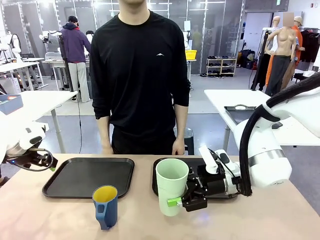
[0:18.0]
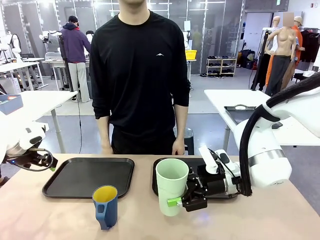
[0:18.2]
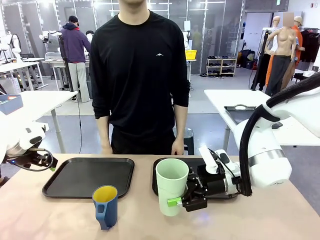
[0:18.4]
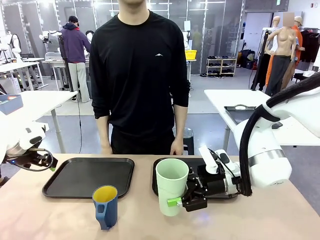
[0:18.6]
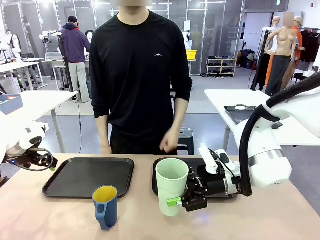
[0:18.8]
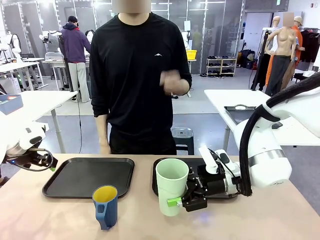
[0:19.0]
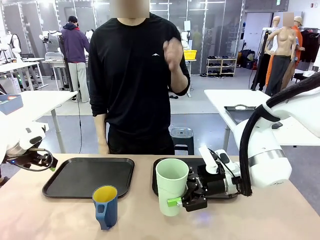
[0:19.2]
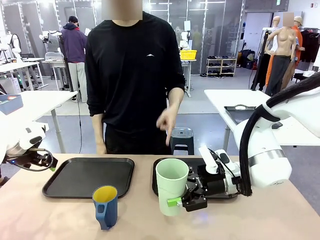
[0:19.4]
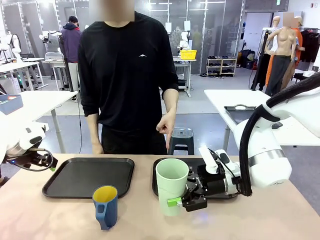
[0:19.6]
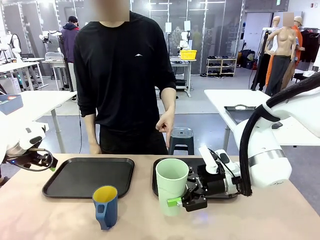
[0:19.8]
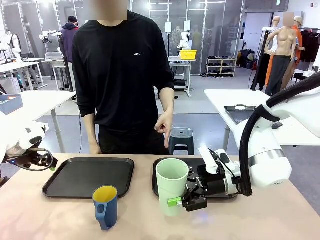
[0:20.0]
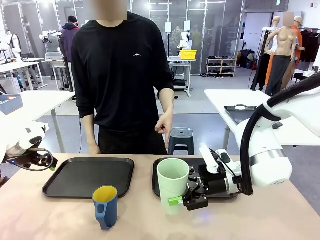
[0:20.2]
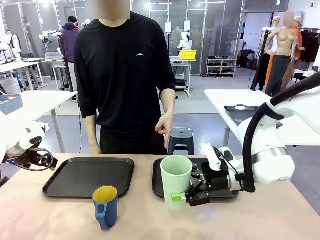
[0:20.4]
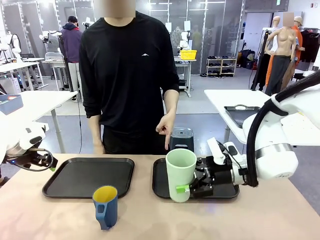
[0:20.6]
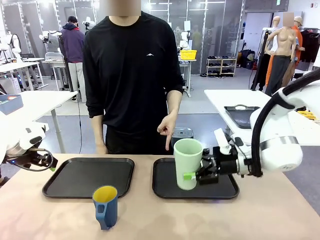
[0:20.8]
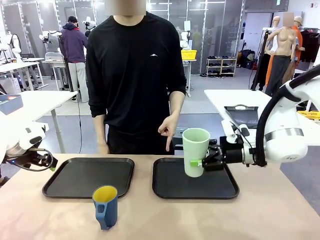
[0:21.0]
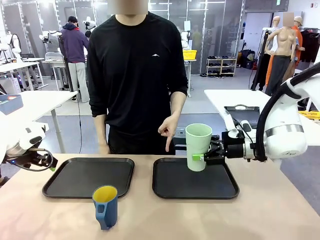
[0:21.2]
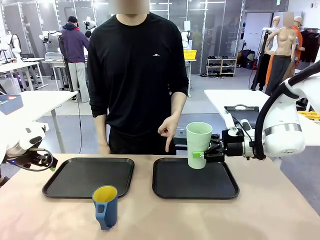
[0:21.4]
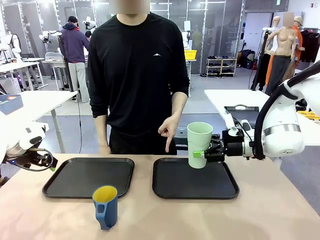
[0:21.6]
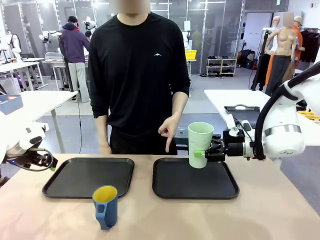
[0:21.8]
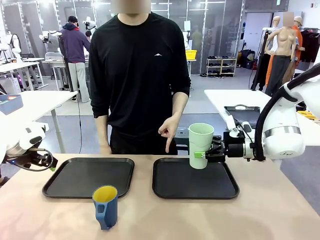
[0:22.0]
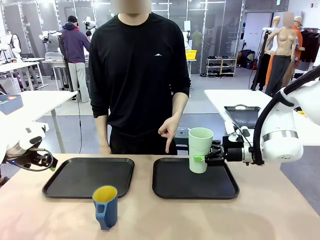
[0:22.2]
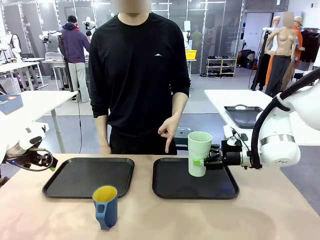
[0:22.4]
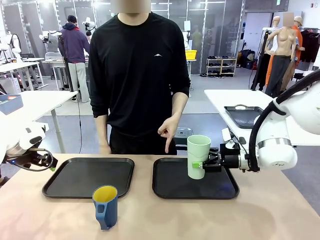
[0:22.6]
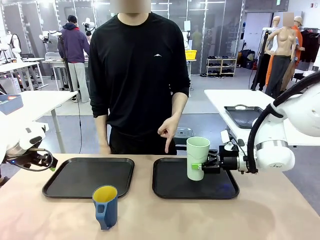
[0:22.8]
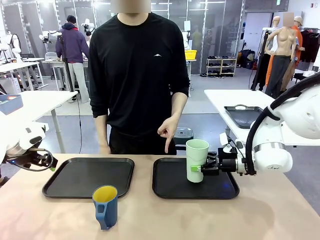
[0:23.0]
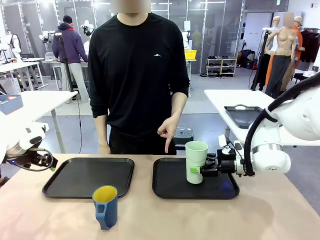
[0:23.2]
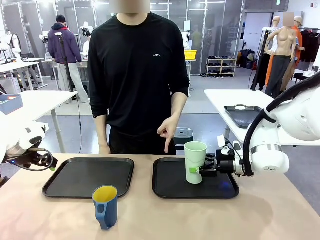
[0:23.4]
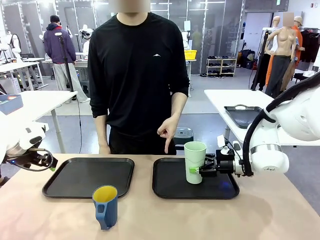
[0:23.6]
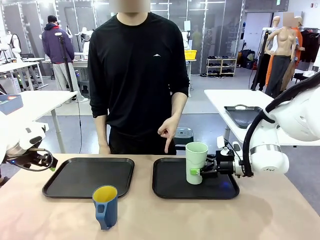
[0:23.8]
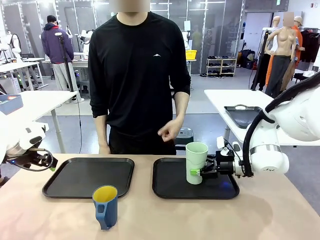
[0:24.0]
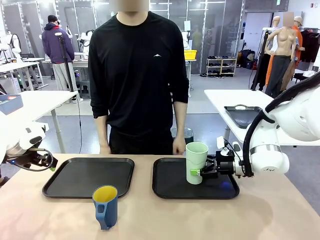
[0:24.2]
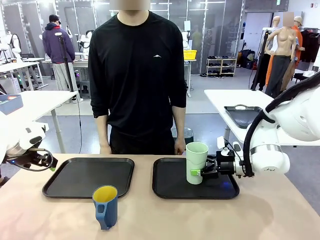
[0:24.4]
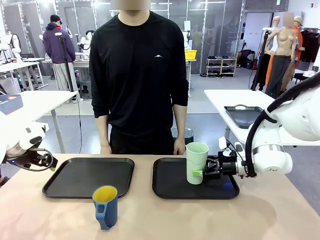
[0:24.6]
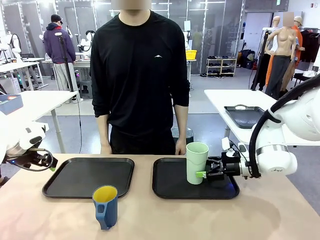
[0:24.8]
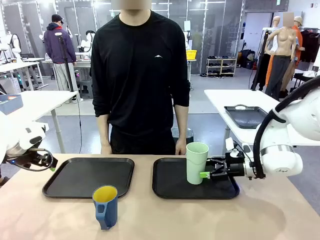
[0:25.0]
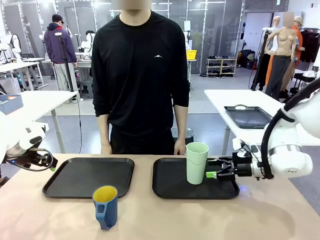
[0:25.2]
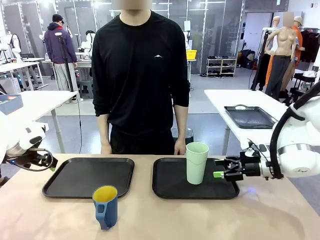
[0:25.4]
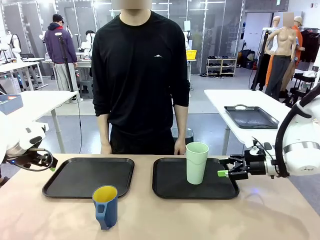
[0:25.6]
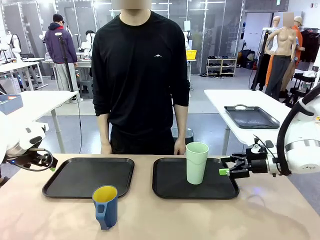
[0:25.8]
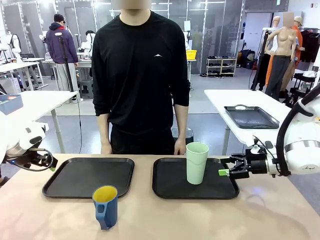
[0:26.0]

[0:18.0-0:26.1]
Task: Sort and store the cups by type.
Robot: Place the picked Reusable plastic cup into the Flat Tray indicated by the person.

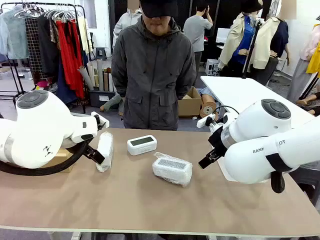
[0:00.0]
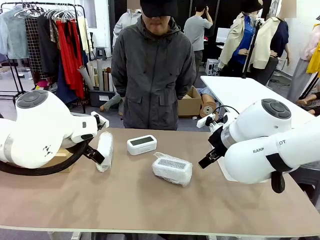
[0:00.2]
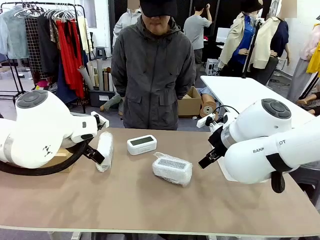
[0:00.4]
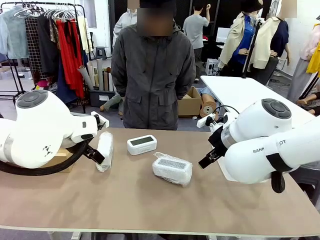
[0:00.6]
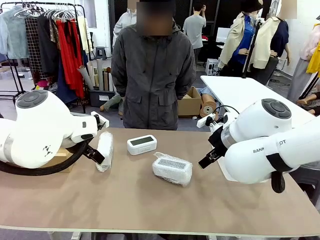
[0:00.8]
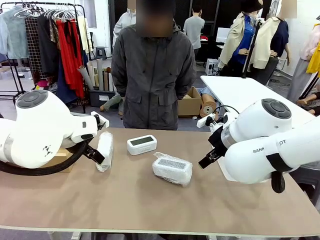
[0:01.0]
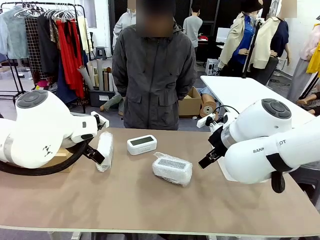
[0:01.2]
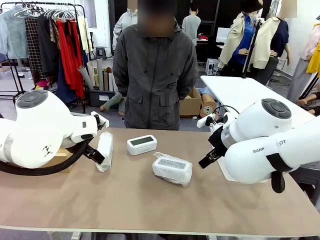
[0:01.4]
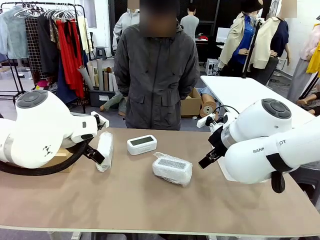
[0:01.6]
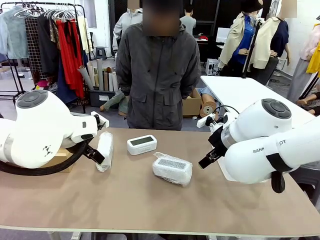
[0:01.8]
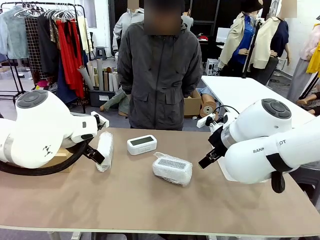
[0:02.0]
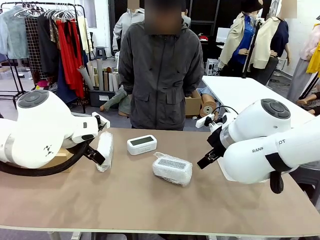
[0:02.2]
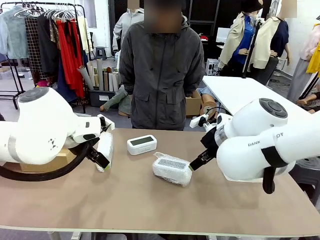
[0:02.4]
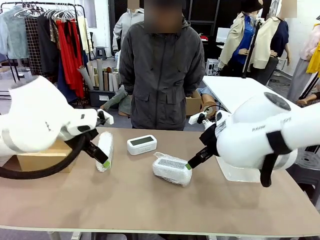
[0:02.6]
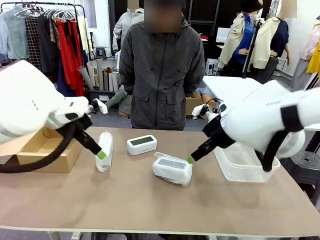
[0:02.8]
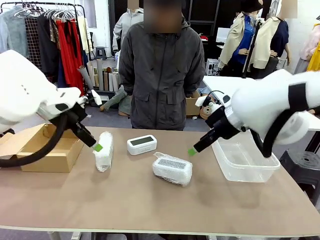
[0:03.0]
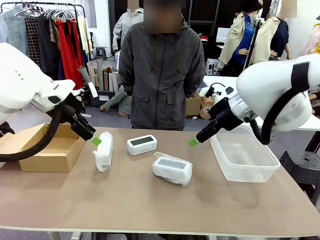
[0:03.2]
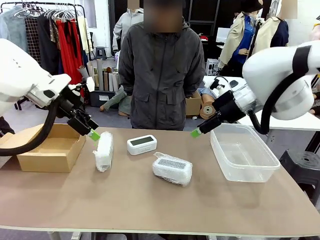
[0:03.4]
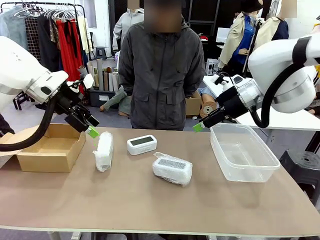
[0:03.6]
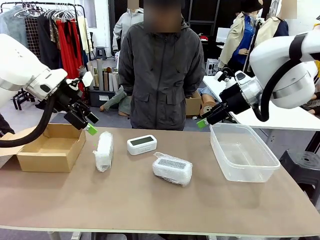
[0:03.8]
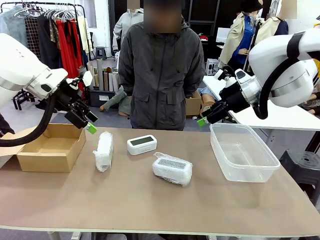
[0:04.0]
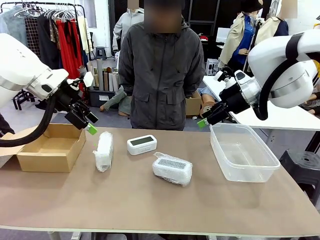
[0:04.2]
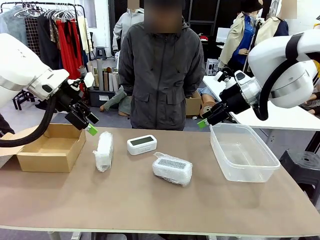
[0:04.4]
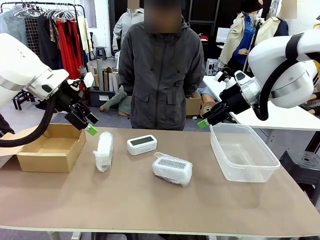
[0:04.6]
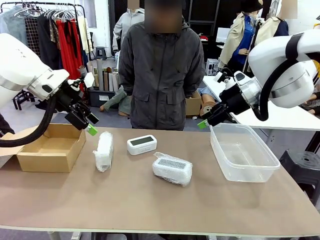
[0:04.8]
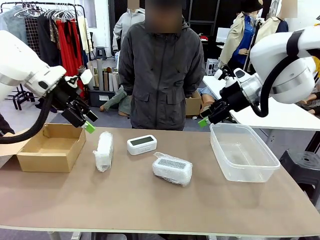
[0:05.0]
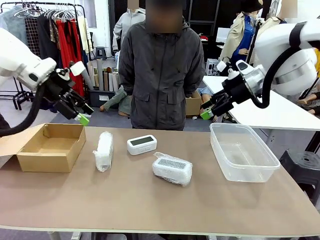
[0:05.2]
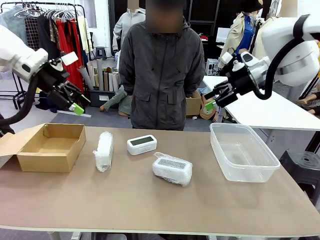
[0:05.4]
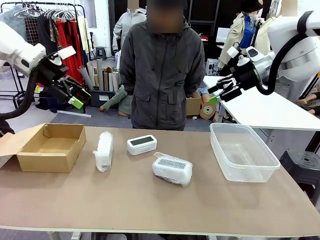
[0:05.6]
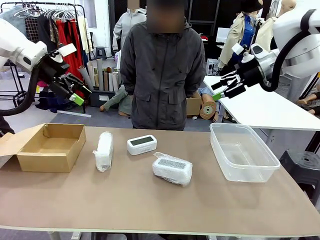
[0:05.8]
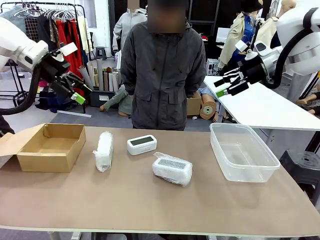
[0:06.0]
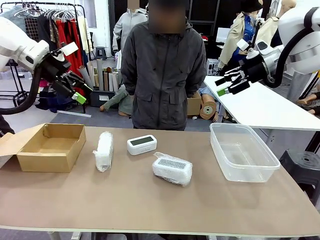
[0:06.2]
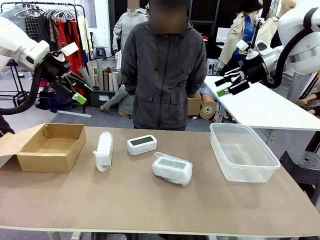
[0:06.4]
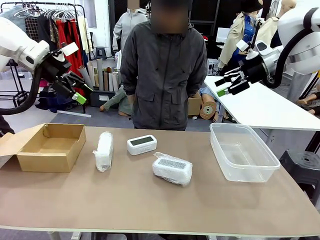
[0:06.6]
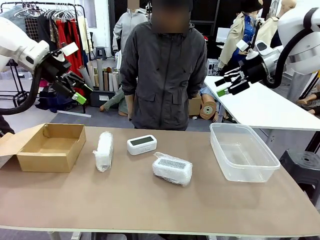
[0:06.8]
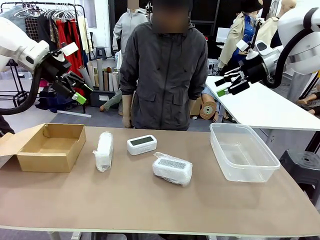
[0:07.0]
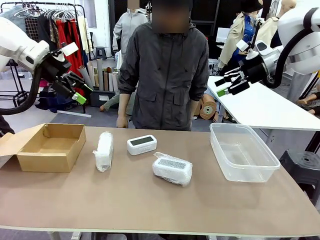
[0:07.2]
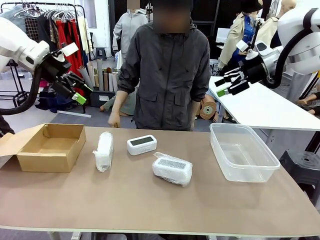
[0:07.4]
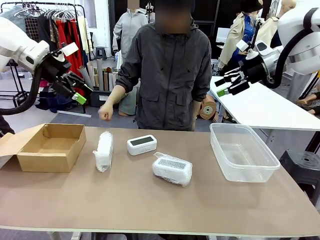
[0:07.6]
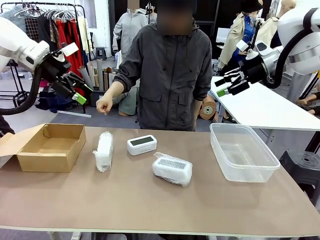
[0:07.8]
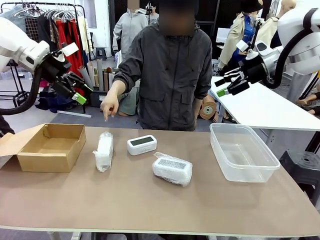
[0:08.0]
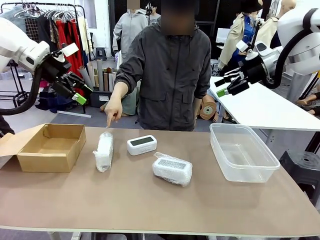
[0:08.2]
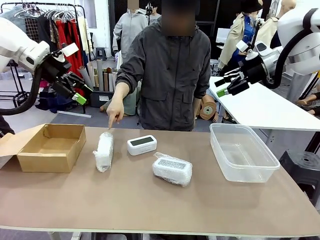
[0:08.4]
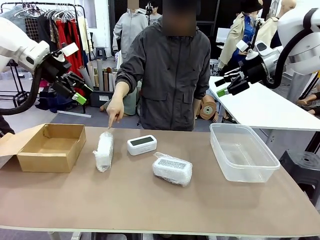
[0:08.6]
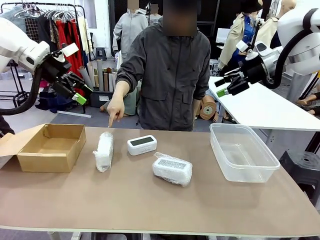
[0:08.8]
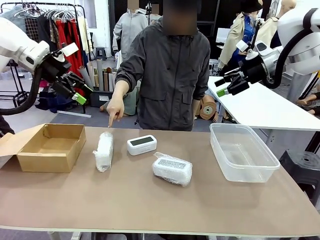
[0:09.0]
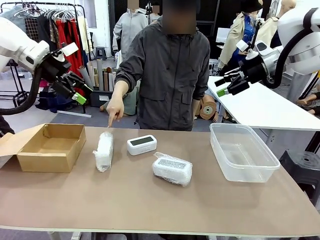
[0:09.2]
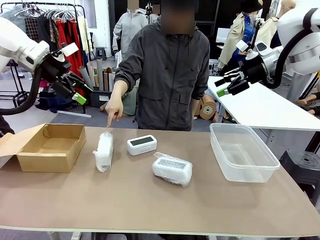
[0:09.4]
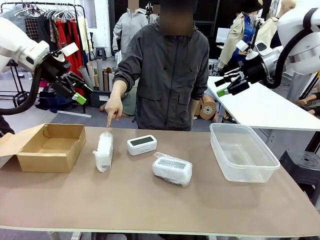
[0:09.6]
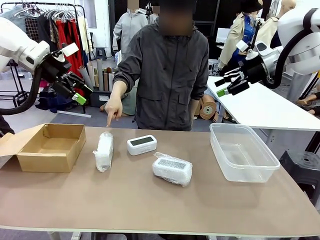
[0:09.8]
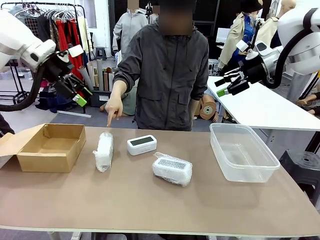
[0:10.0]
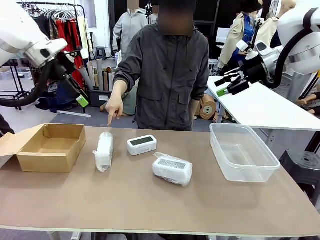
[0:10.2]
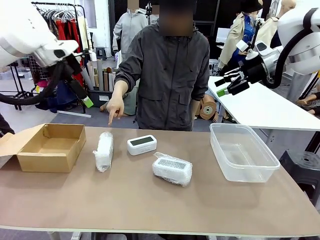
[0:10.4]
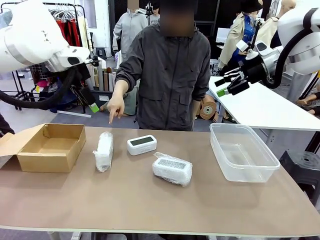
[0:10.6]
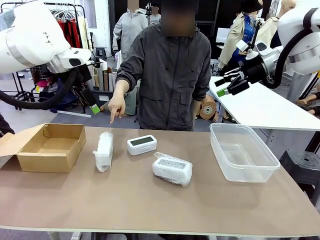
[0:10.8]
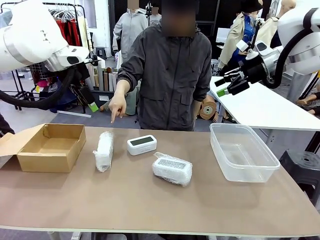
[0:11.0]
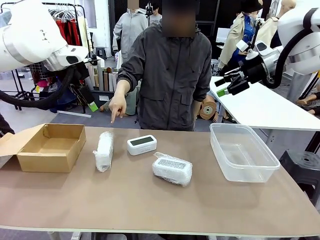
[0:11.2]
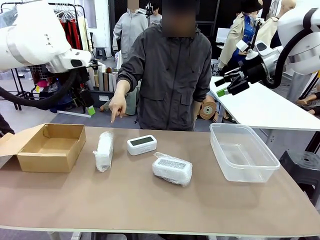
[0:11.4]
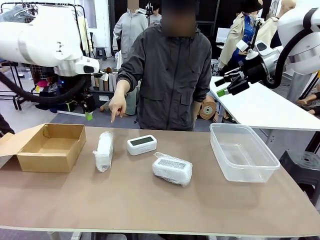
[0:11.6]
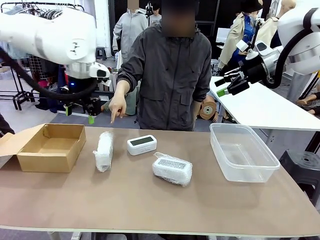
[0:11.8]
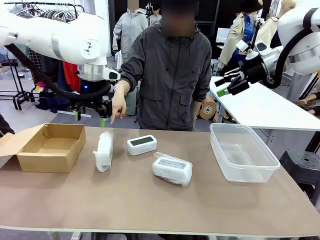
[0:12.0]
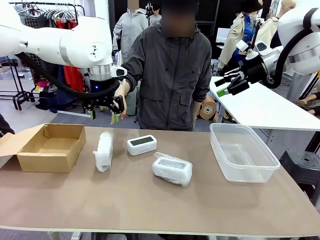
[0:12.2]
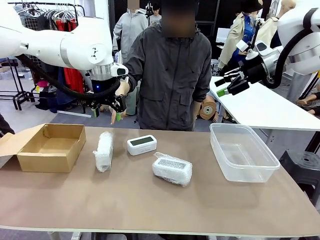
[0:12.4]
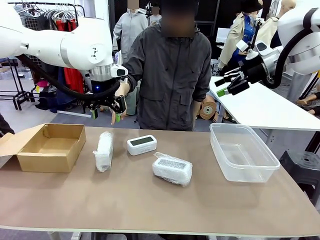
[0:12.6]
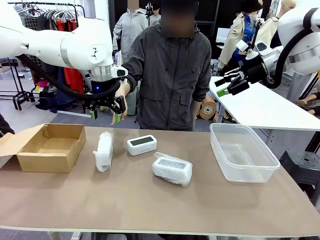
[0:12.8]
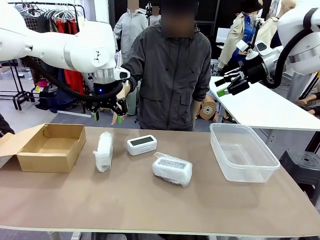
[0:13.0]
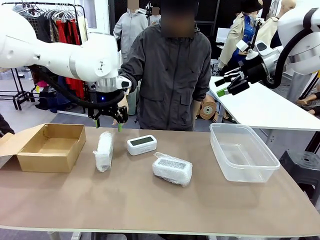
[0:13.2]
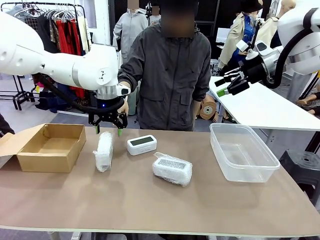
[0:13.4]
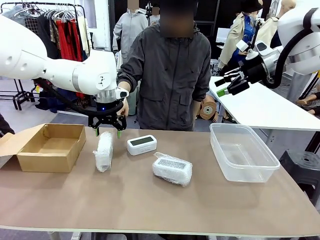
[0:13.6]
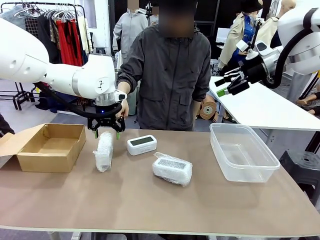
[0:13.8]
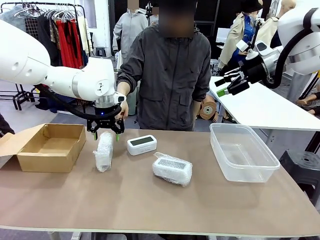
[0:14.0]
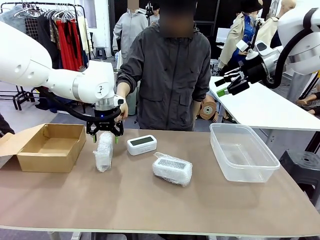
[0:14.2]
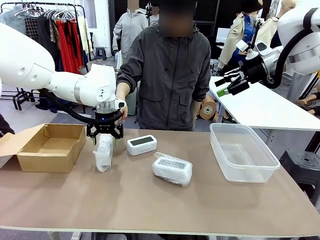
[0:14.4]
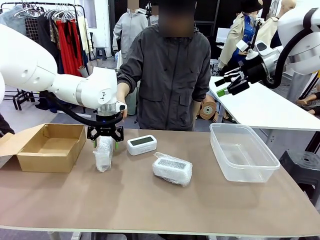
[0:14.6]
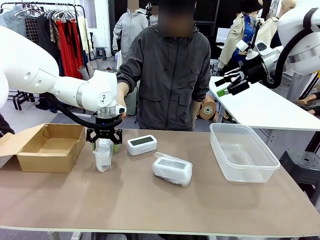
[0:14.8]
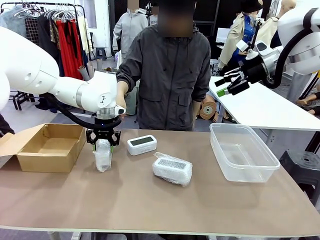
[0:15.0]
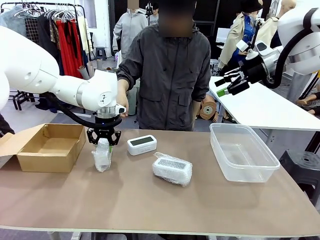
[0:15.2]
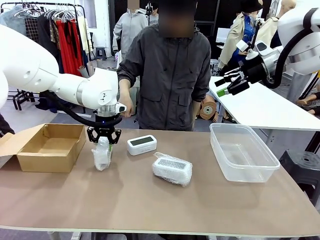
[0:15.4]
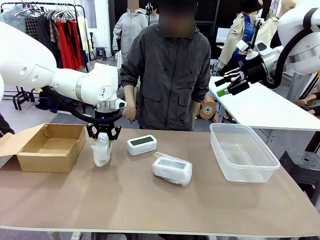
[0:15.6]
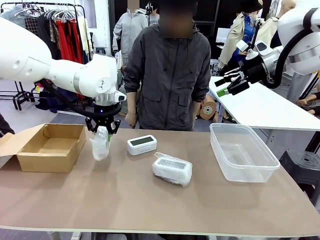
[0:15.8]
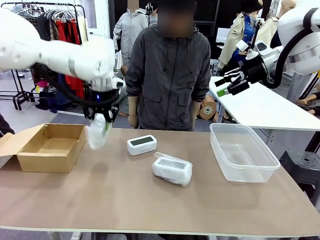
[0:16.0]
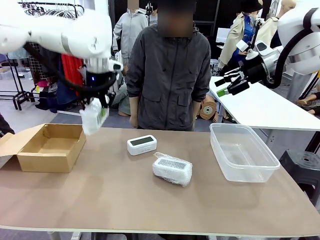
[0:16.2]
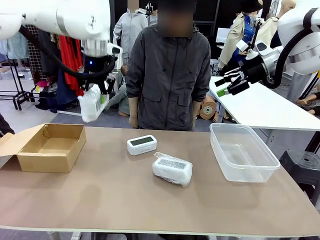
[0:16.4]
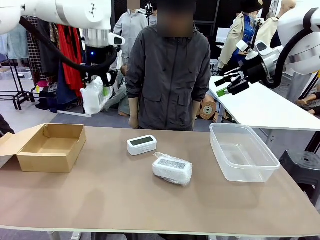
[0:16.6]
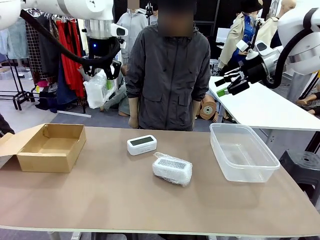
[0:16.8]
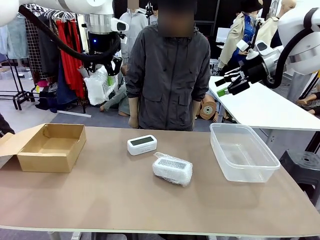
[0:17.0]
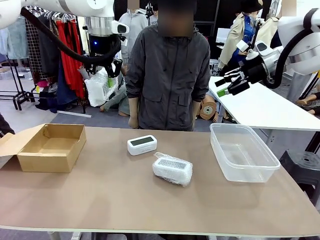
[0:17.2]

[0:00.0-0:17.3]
Task: Separate and place wrapped and unwrapped clocks.
Robot: Pick up the Digital clock indicated by the person.
